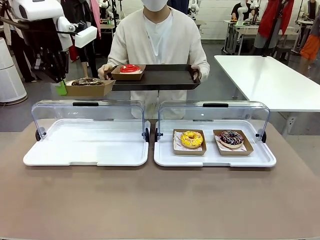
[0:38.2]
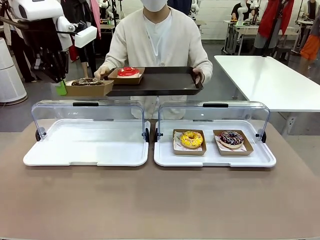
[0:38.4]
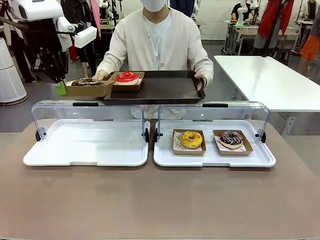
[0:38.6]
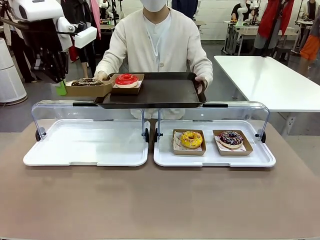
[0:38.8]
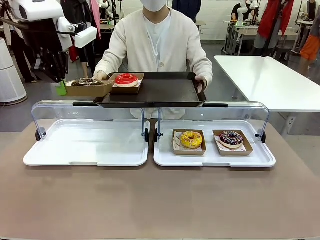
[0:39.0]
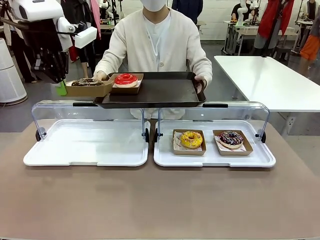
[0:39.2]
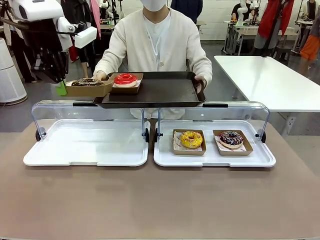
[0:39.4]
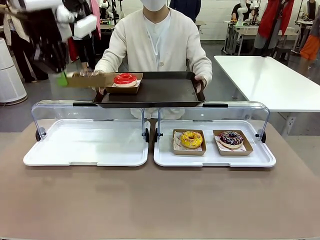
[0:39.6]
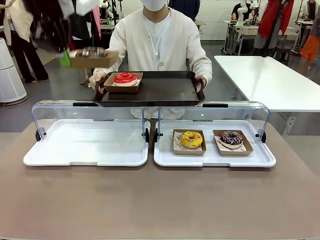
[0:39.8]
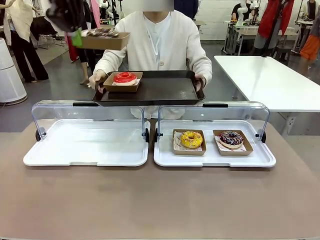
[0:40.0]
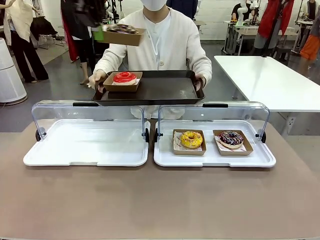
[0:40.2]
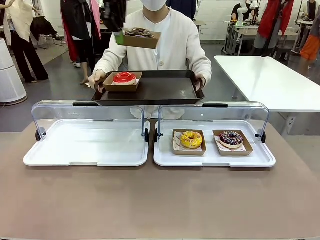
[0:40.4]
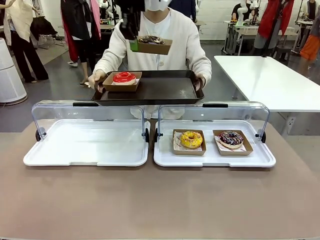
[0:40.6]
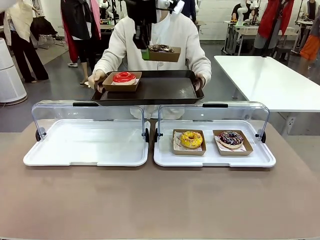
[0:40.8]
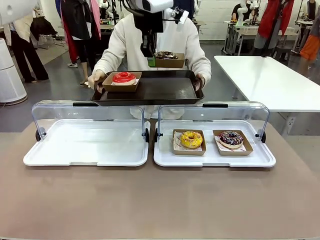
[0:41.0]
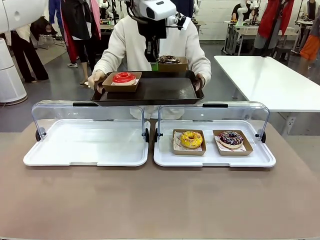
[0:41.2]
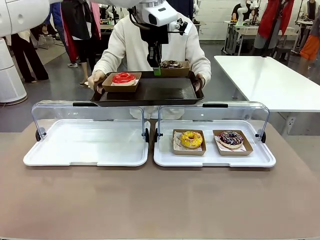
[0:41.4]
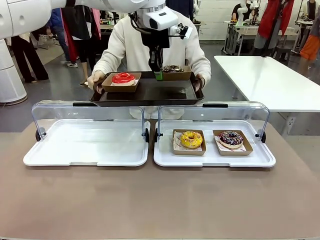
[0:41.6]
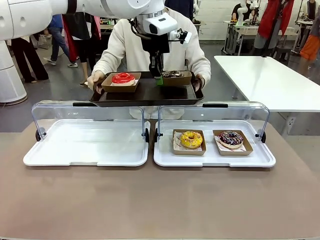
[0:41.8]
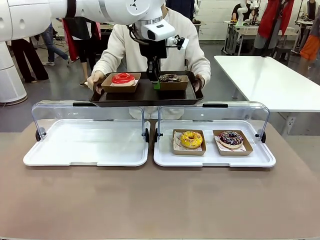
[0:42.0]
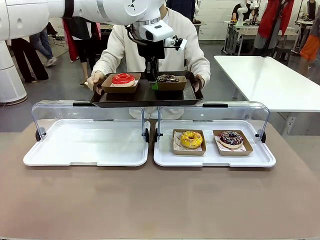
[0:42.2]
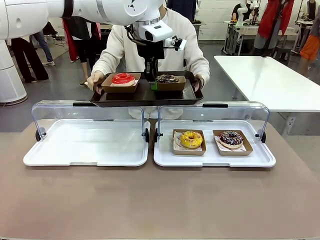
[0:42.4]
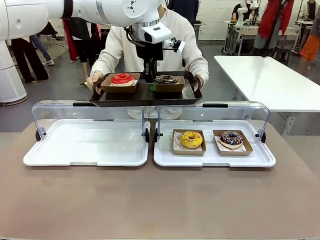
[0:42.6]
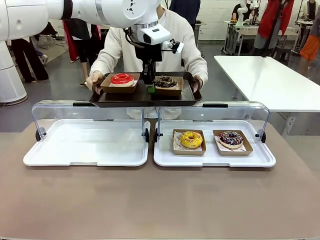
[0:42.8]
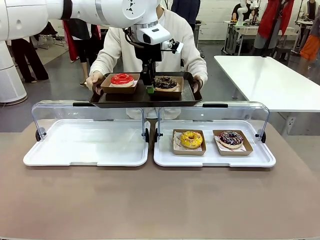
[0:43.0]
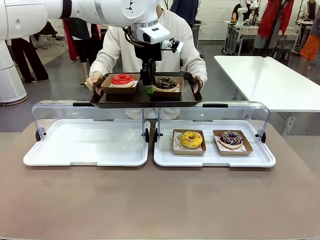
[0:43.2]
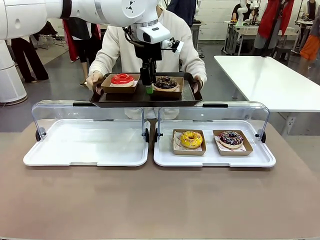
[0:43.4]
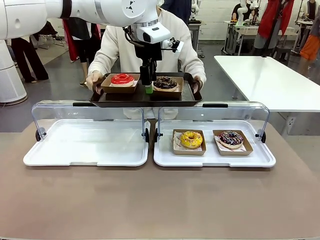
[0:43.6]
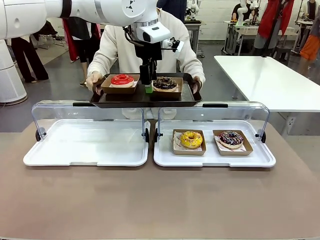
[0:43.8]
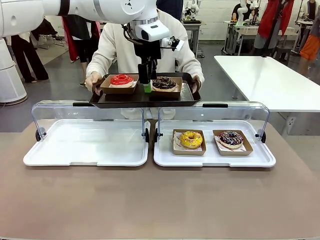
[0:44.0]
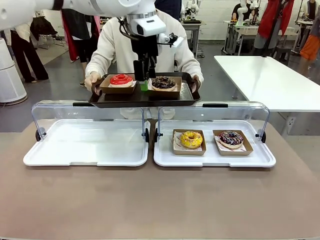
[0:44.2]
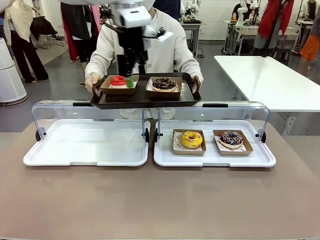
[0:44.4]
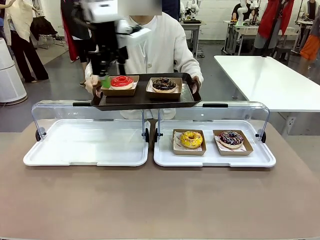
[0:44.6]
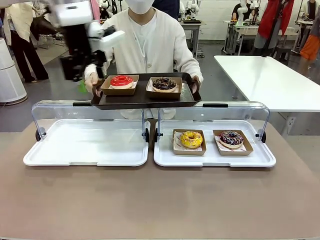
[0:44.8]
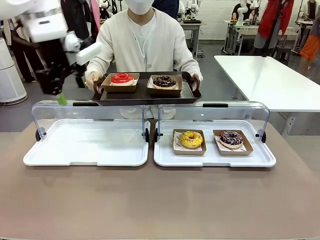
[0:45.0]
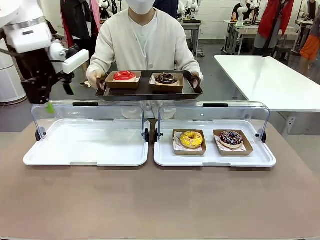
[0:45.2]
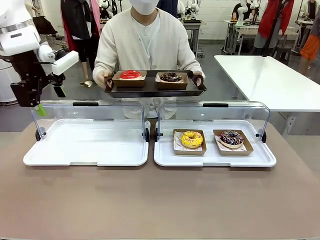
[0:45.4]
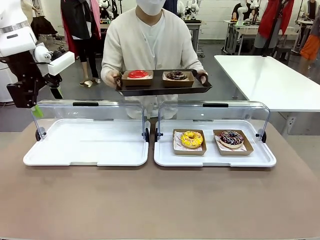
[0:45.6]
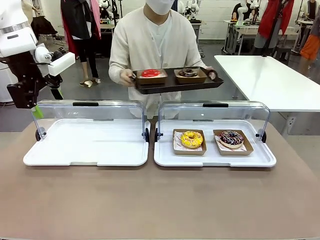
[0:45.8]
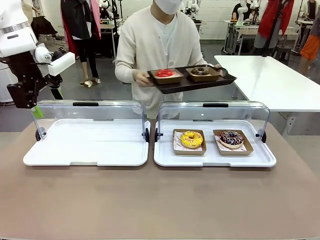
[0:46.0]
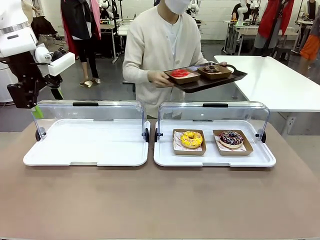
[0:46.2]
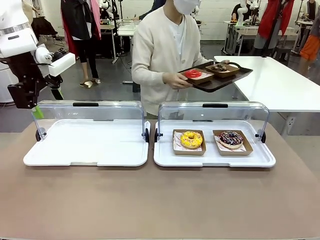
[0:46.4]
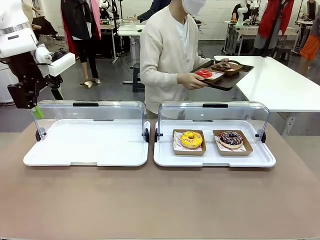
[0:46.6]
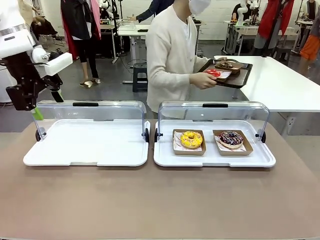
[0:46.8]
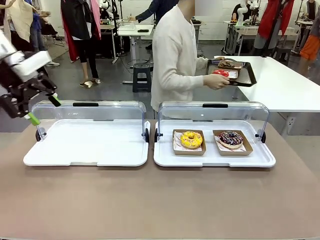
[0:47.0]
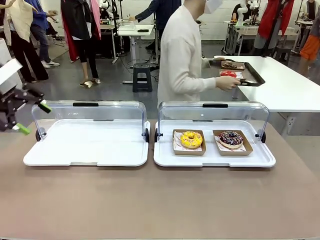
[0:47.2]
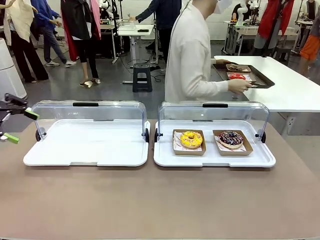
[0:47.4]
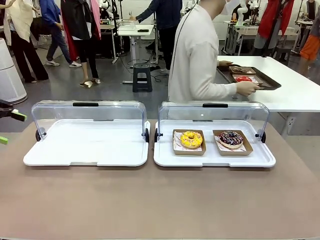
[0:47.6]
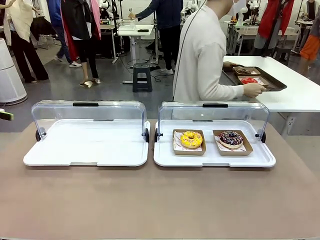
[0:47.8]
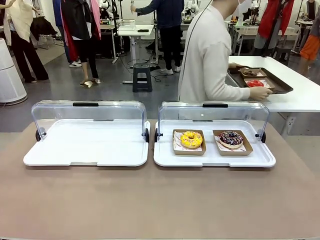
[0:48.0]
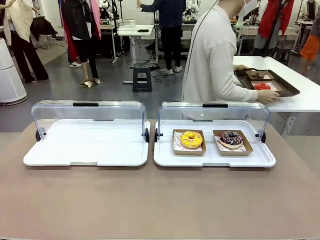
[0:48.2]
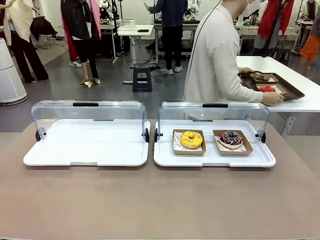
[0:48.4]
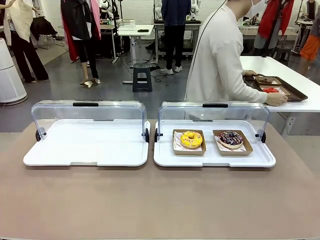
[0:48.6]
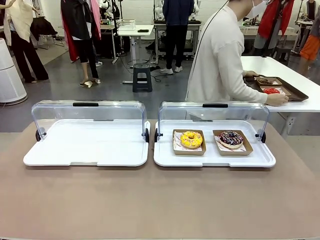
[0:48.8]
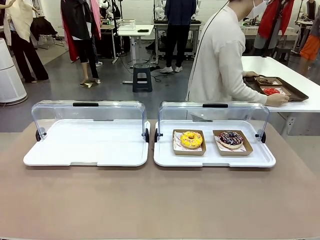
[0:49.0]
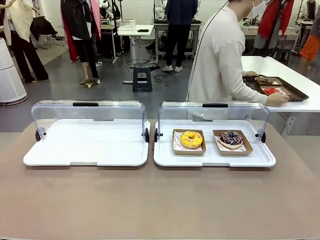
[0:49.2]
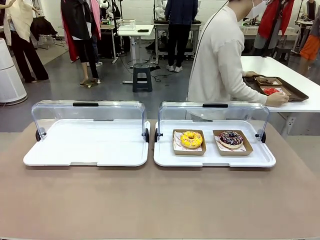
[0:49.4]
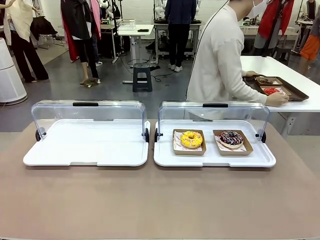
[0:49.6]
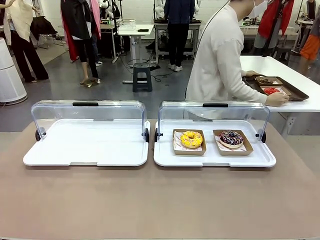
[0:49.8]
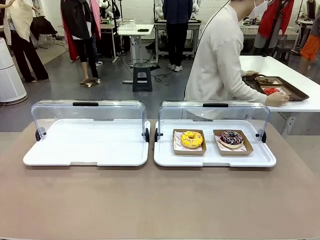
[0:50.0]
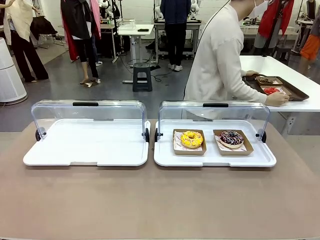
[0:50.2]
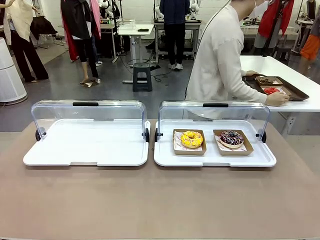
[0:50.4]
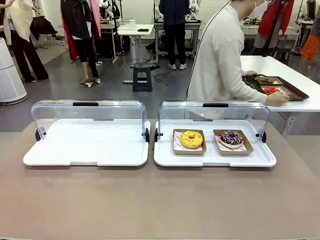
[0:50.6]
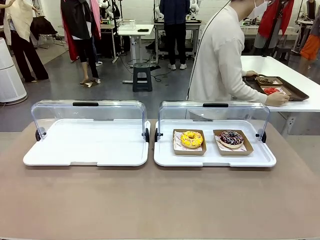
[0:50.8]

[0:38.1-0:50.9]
Task: Provide the desired donut to the person.
Robot: Place the picked Paper togo box onto the Handle tray extended by the person.
Person: Place the tray in the middle of the human table.

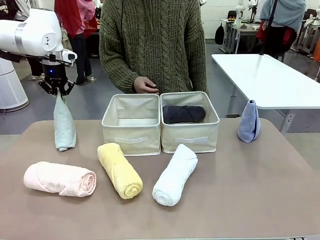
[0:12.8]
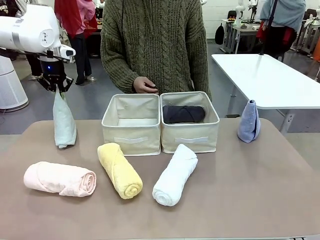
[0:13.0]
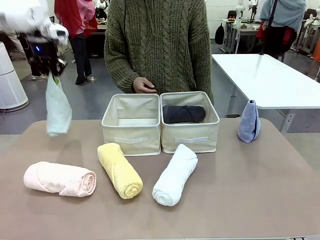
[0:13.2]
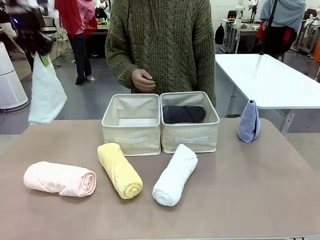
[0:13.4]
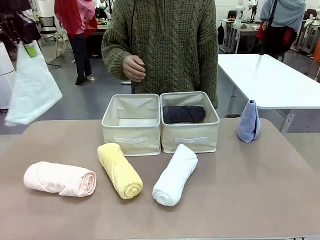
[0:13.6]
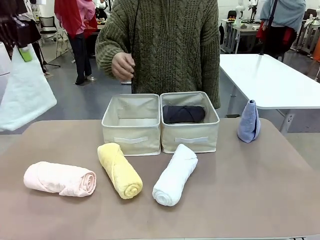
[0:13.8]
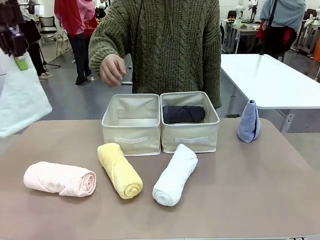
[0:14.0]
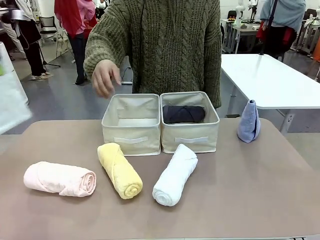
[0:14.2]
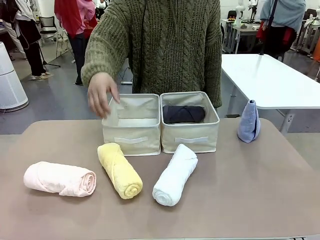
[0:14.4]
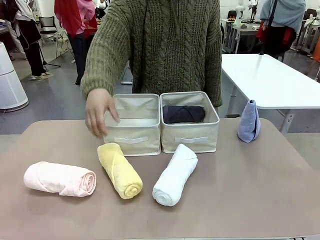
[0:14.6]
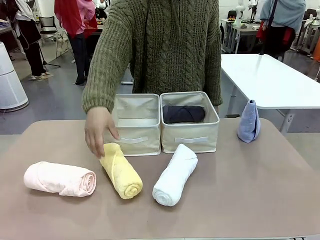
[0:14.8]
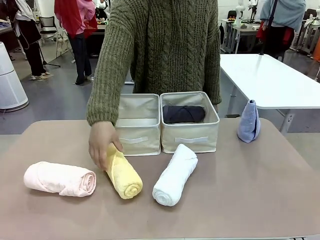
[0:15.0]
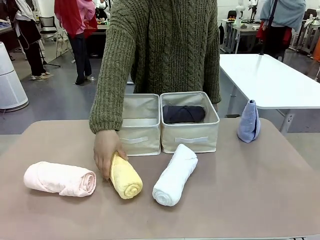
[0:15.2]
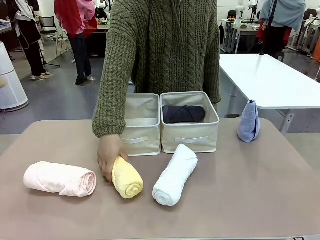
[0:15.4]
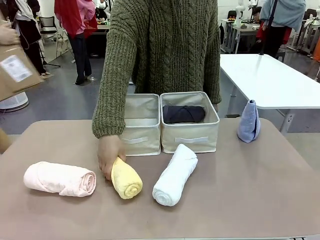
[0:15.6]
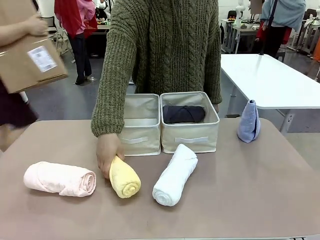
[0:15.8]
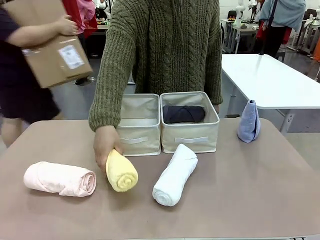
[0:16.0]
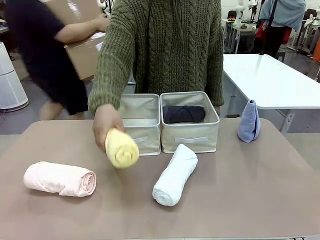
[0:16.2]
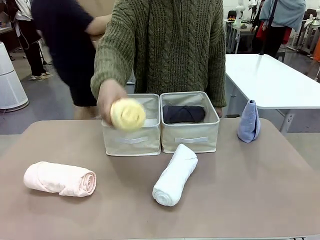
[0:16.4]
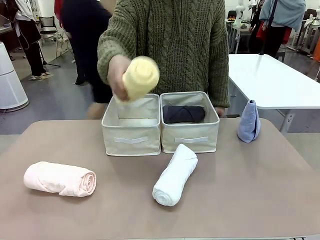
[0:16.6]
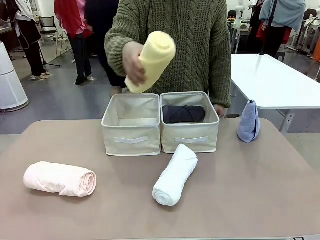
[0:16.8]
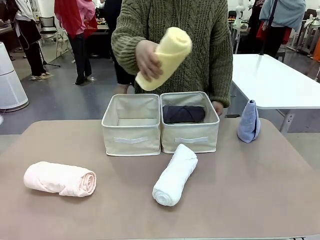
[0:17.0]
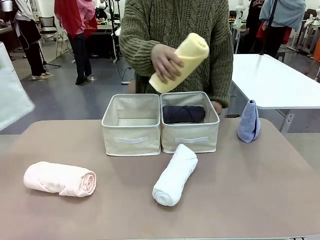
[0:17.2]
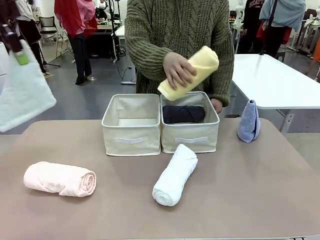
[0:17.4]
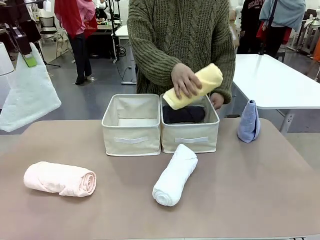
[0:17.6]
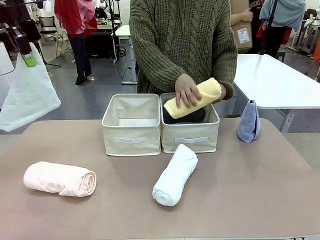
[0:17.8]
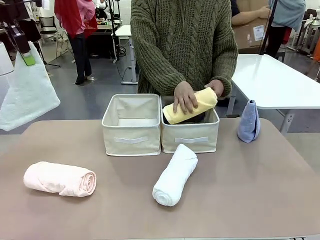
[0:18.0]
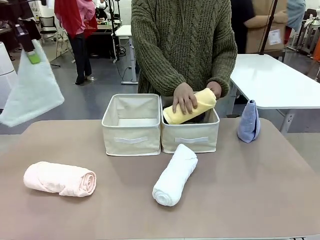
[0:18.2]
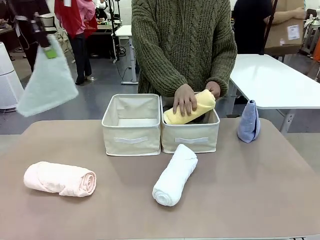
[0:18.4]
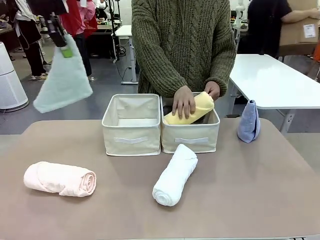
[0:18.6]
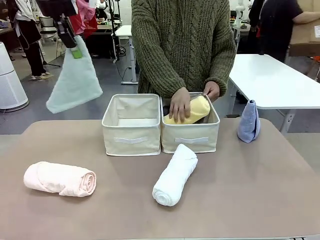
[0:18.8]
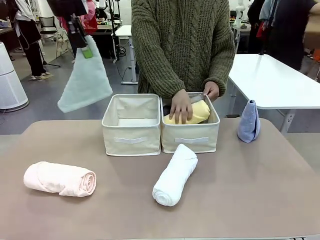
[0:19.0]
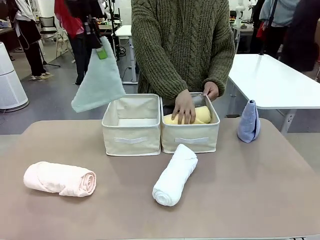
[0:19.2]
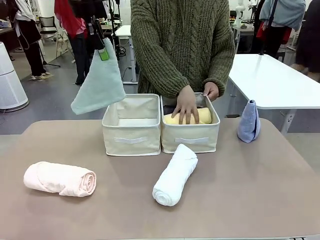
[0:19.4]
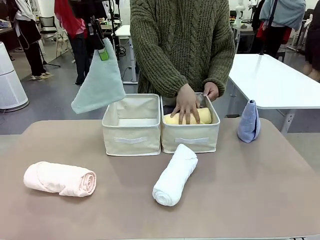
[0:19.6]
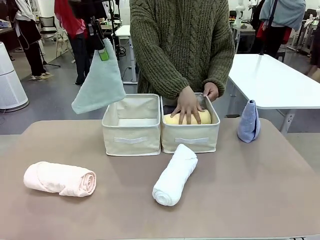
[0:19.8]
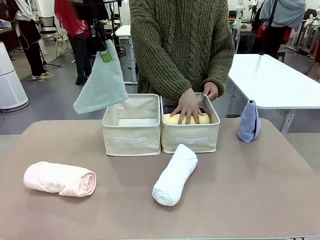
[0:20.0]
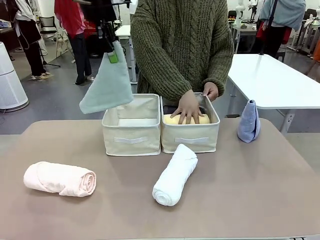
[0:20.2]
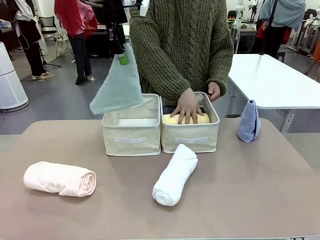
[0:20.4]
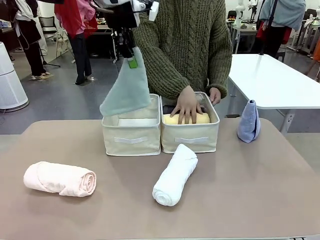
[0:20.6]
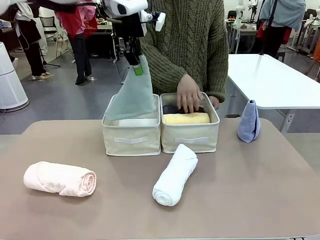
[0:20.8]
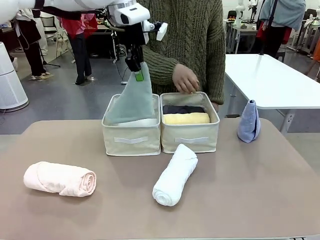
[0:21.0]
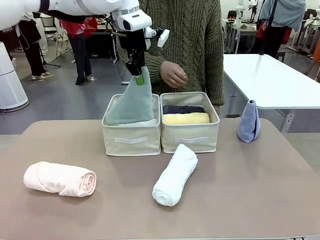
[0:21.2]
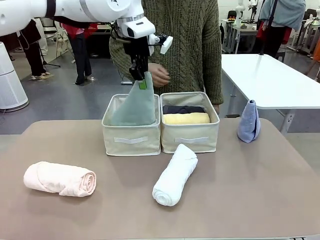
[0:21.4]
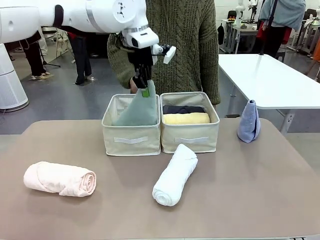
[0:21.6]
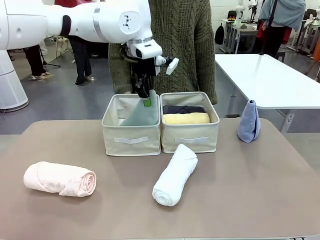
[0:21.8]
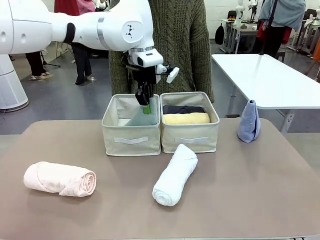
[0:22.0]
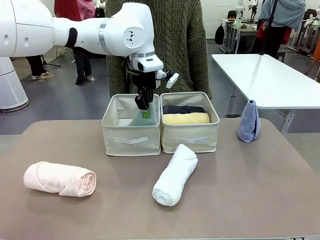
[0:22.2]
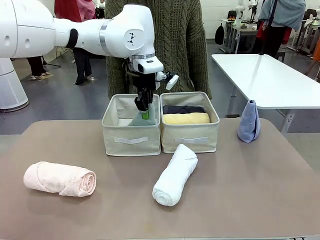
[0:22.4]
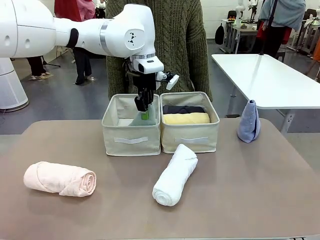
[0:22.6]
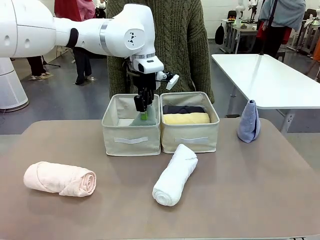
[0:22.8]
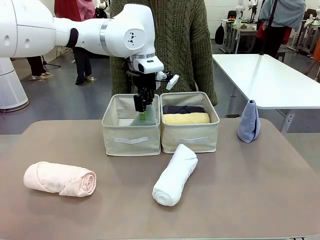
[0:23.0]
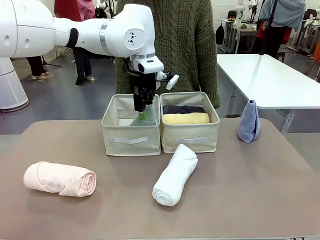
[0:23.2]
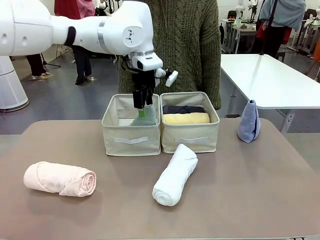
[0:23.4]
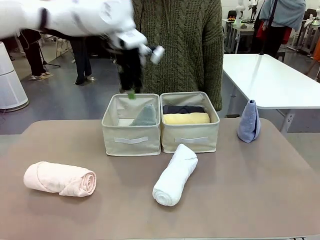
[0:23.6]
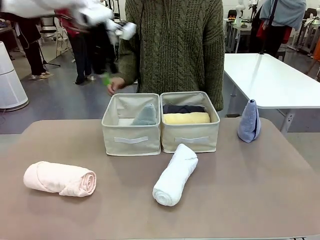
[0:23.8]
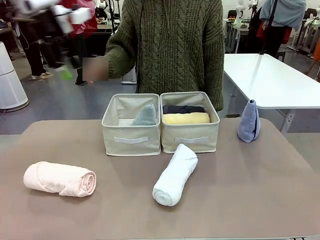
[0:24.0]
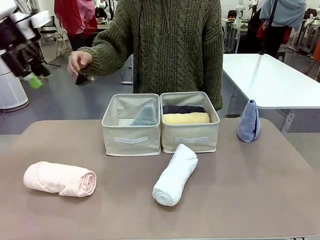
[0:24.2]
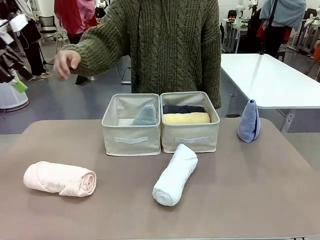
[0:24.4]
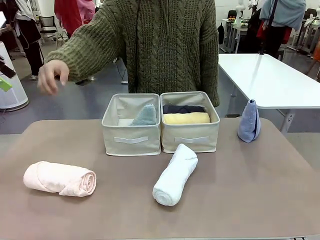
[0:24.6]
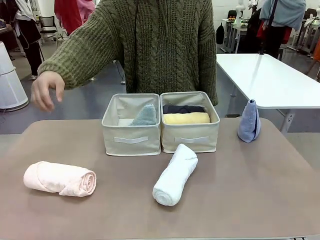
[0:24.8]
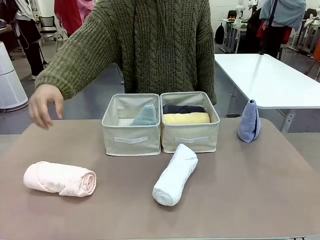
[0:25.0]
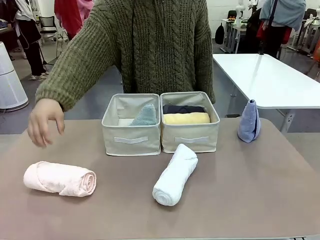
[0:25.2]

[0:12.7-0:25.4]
Task: Sort the towels based on their folding style.
Robot: Pick up one triangle-folded towel and place it in the left Fabric basket.
